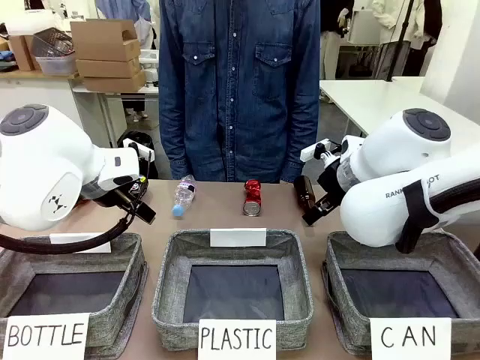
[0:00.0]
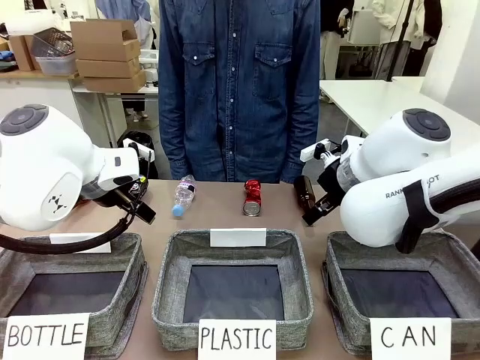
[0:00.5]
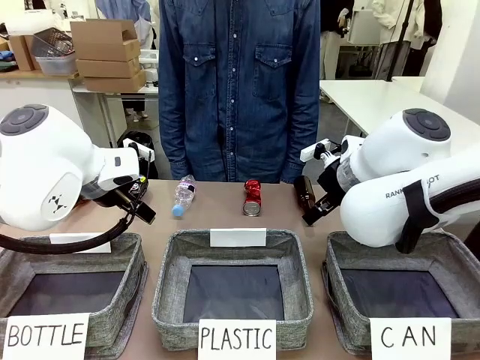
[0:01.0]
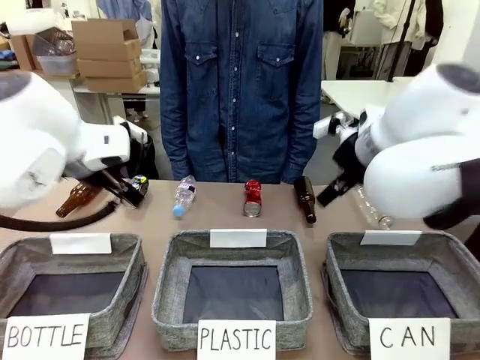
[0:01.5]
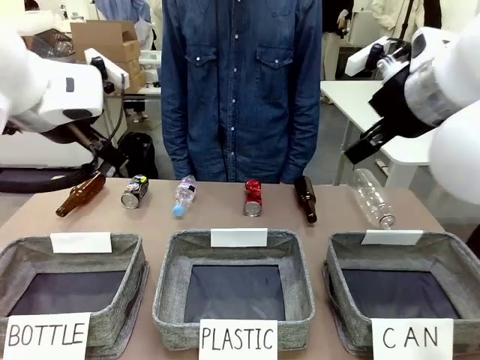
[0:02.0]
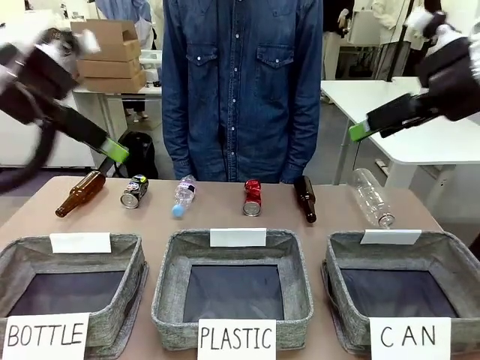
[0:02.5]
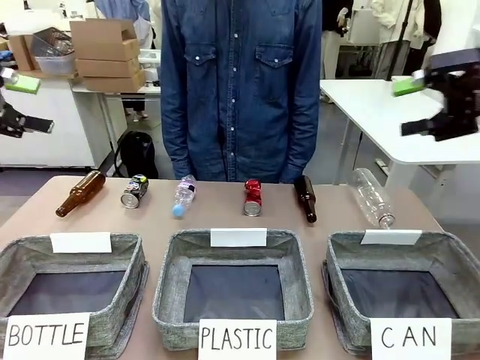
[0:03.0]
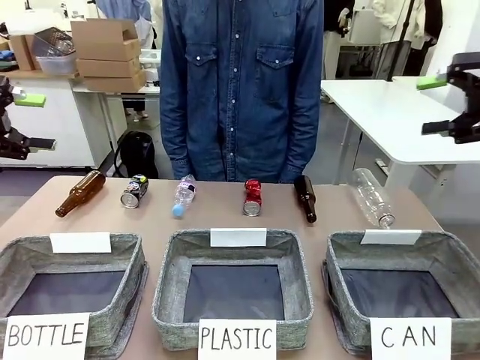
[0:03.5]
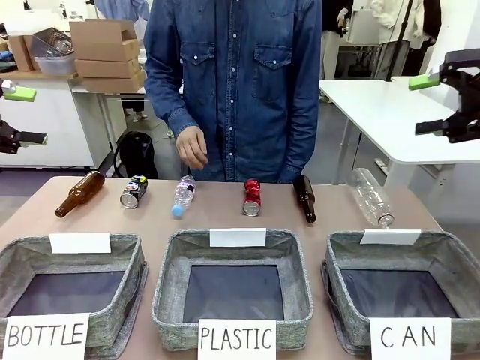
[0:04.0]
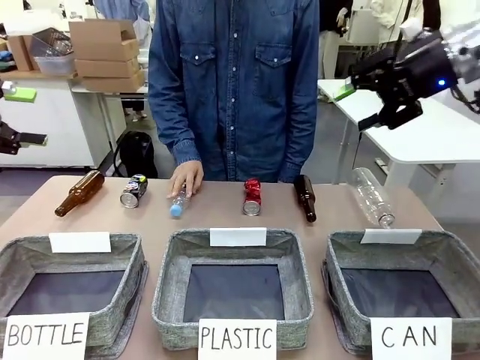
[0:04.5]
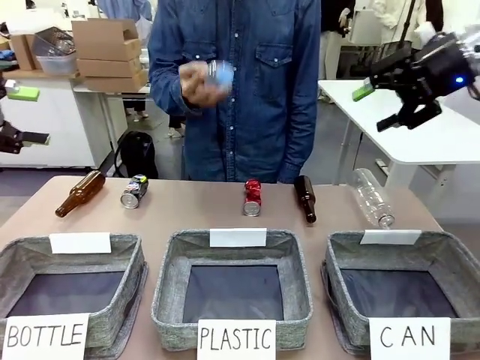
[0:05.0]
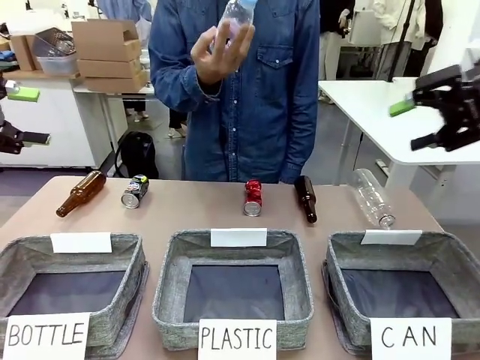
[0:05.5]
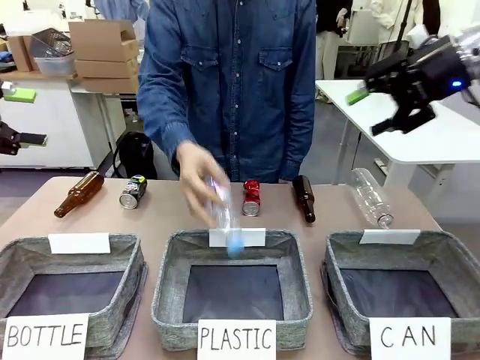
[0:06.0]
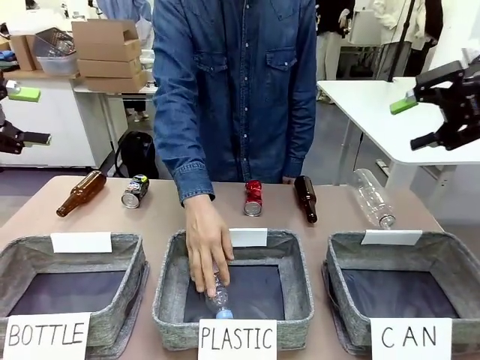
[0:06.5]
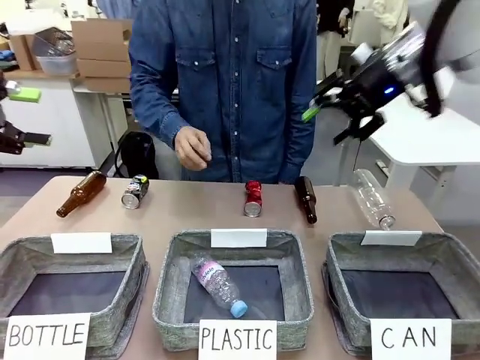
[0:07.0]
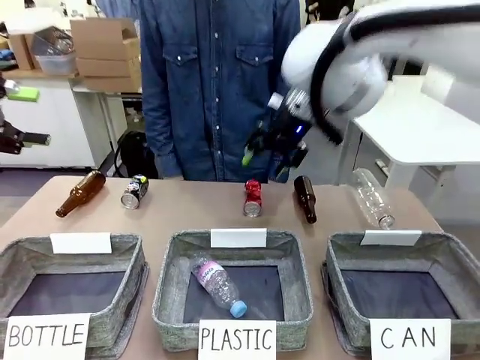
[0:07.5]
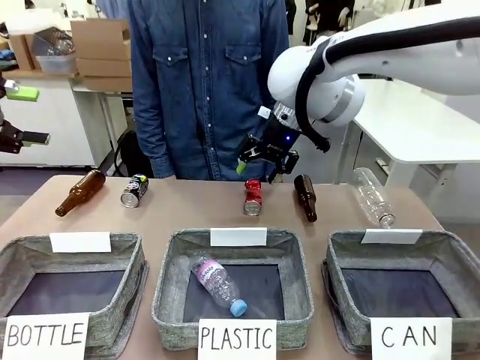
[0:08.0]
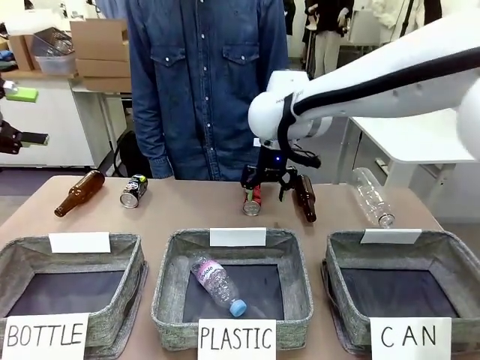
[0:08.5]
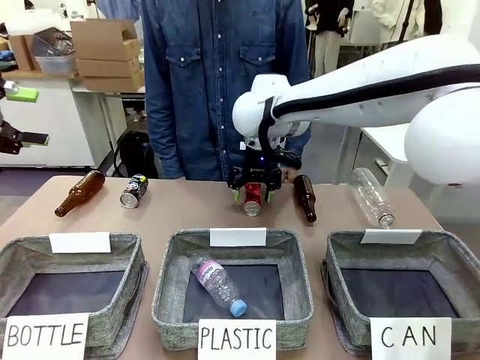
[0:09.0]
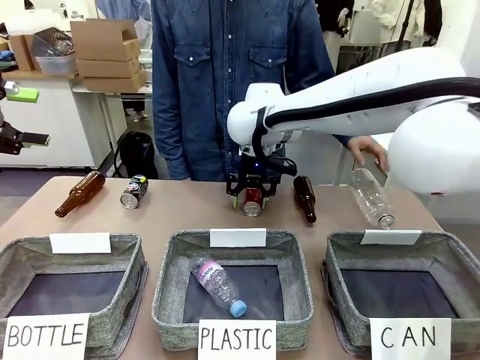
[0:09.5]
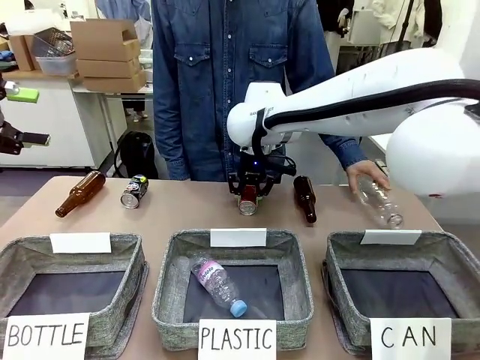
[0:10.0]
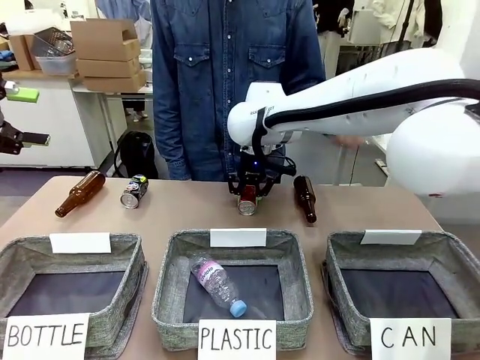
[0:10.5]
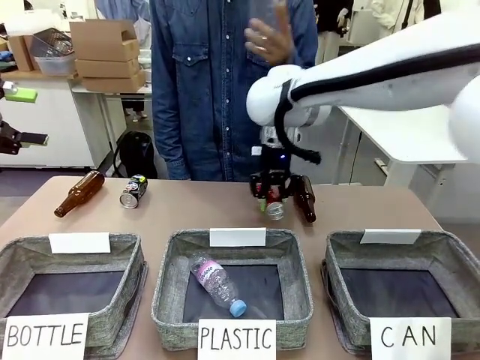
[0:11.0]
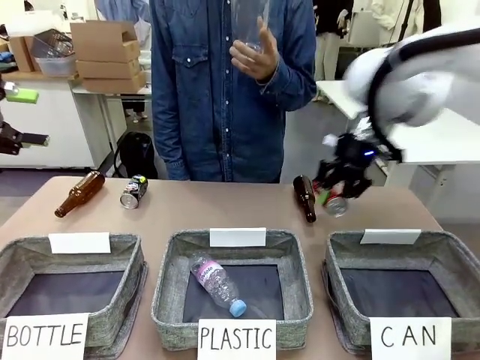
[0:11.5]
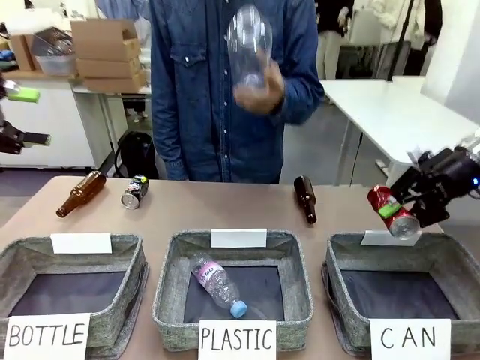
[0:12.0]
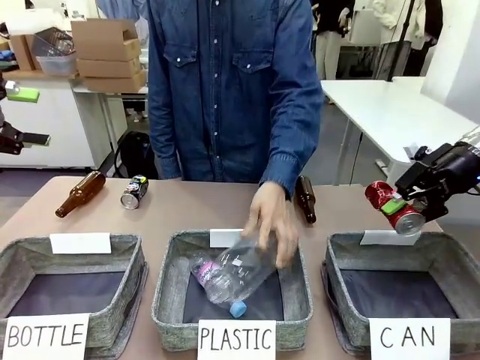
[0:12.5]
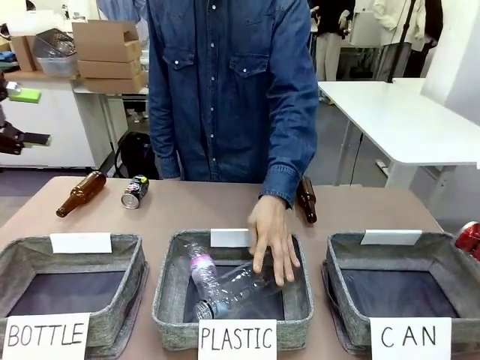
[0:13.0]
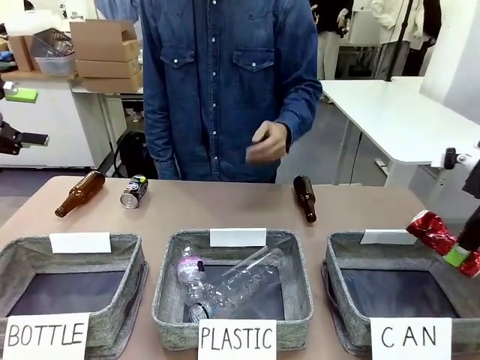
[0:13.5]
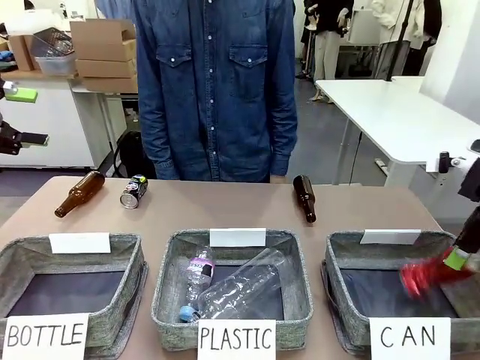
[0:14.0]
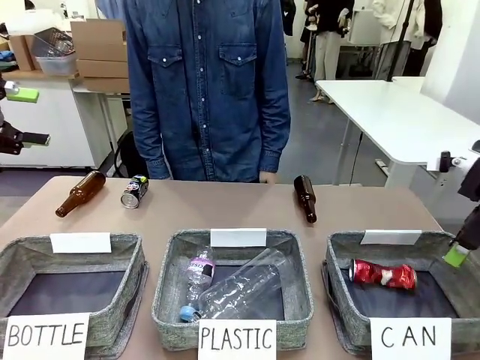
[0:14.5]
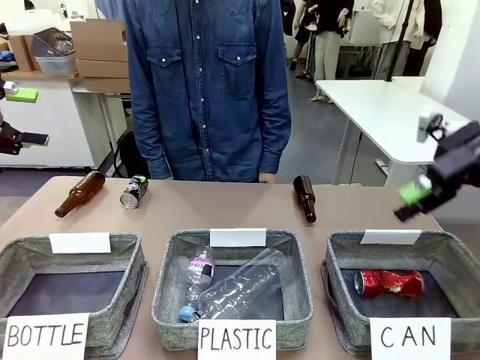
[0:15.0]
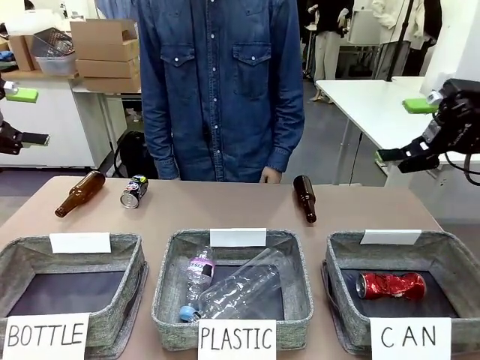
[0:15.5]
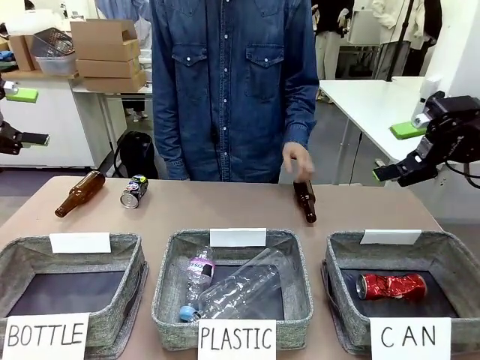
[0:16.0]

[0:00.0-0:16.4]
Task: Sort the can waste into the basket.
Robot: Pick up the can waste from the table and place it in the right Fabric basket.

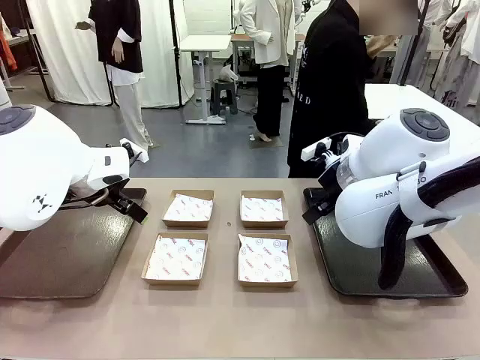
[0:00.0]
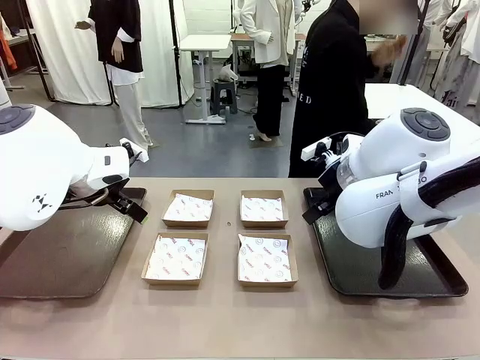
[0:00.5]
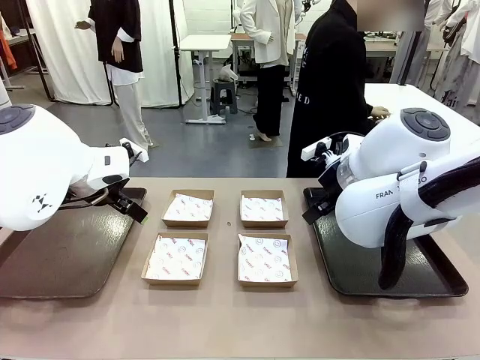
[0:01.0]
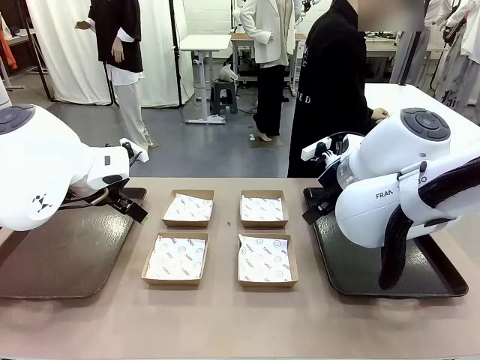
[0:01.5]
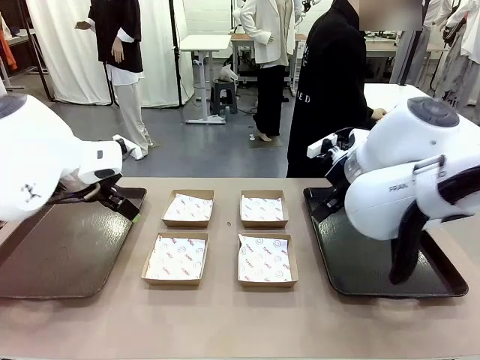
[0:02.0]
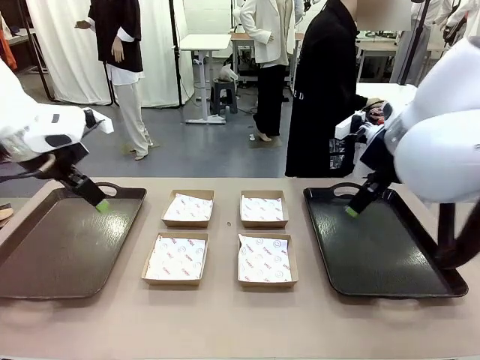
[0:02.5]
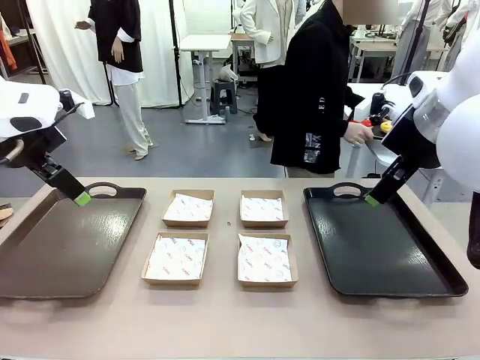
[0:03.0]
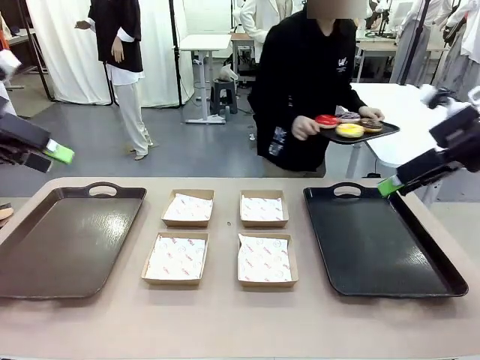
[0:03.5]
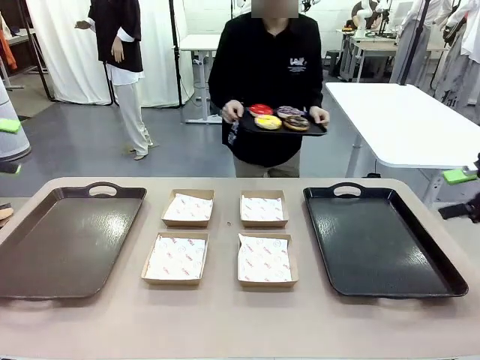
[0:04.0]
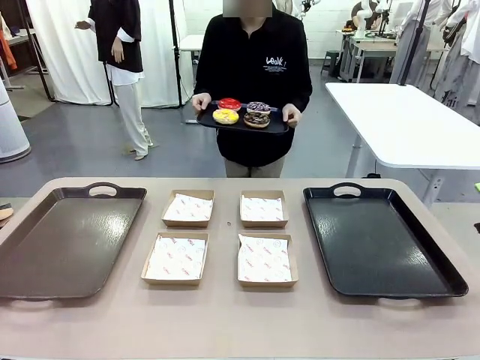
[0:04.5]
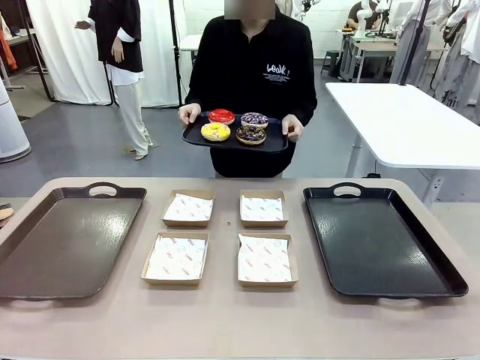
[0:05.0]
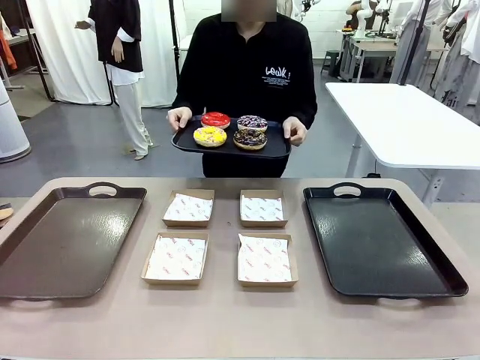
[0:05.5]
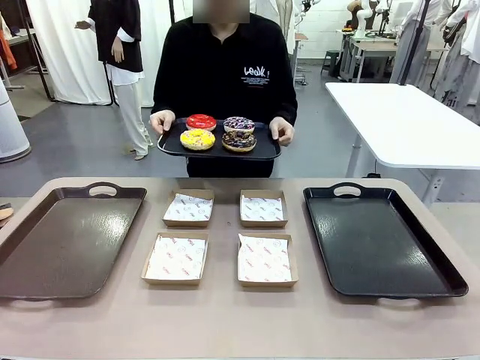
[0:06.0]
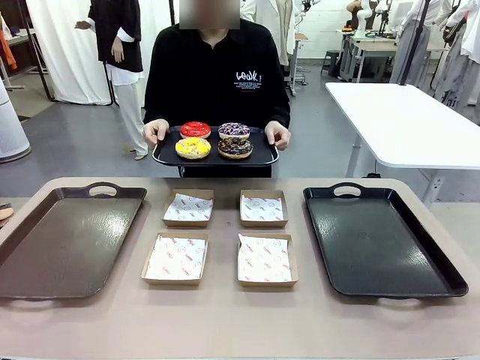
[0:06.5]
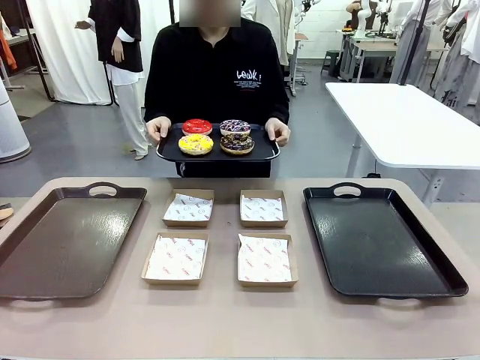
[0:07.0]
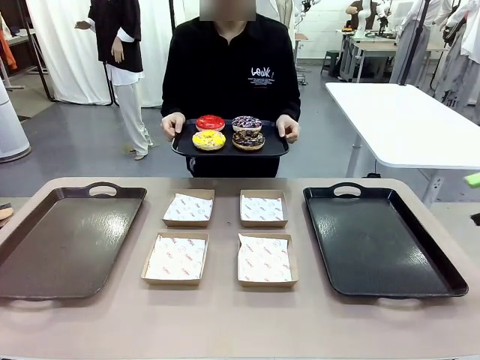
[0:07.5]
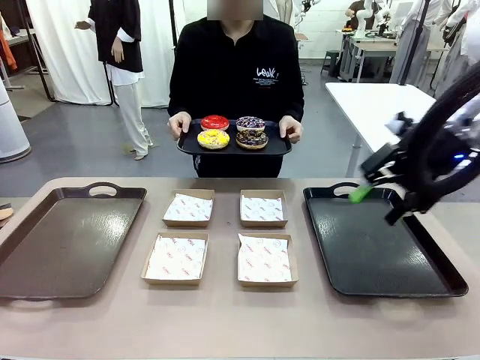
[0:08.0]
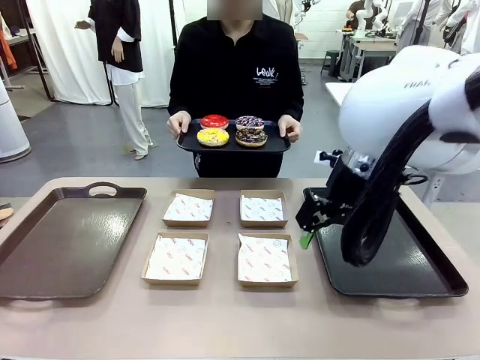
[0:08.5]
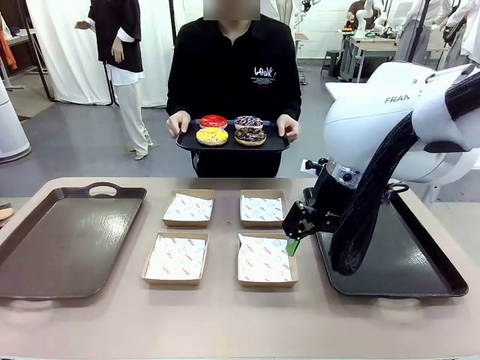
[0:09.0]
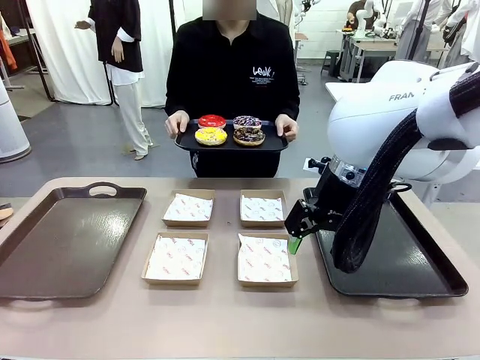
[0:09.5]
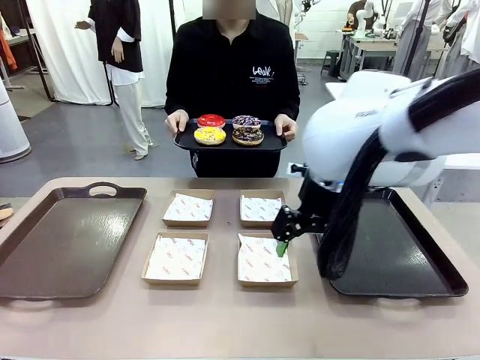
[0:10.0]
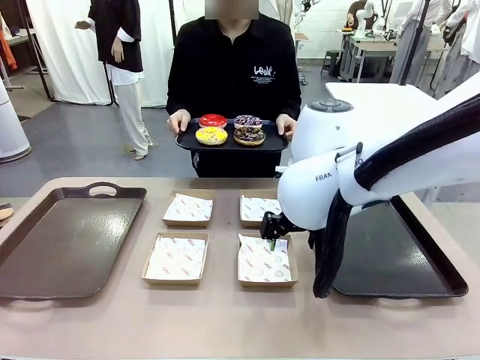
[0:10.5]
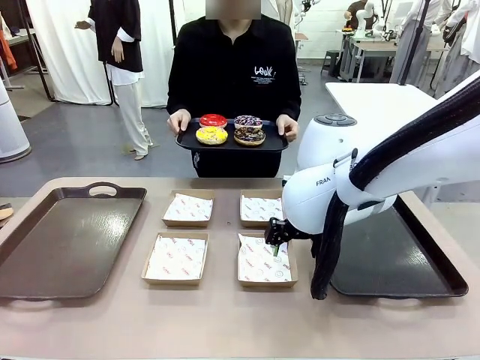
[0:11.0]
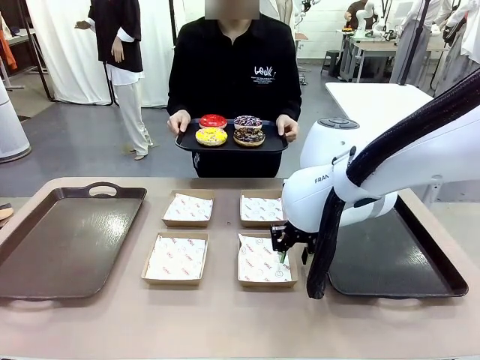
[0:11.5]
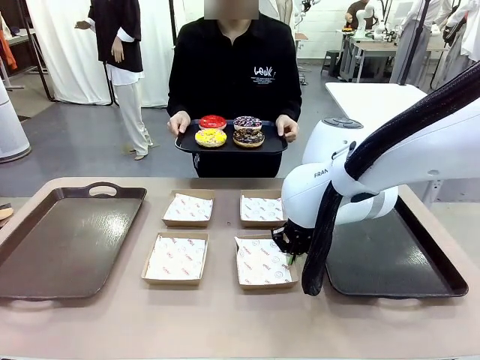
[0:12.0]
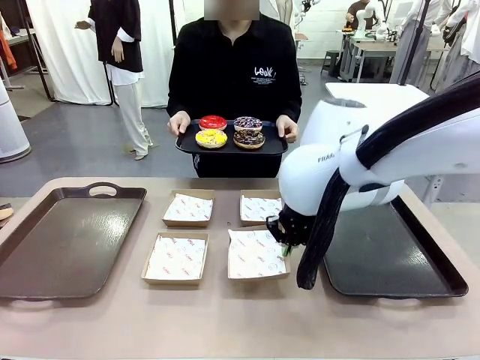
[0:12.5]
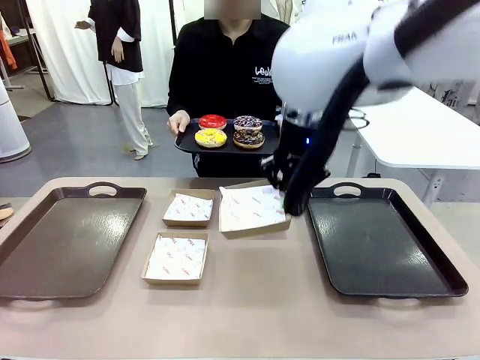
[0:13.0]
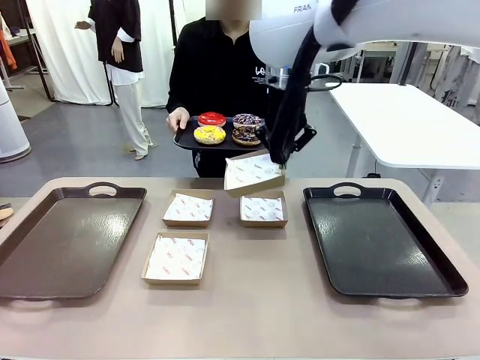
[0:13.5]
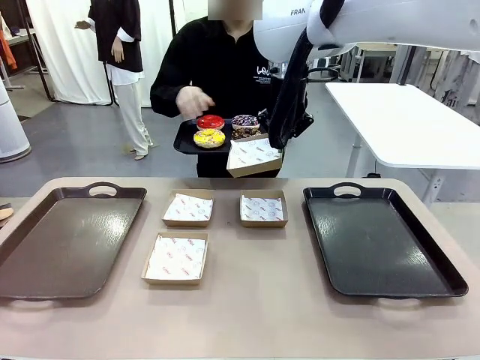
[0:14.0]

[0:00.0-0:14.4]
Task: Individually package the donuts and arrange them on the tray.
Robot: Pick up one Paper togo box.
Person: Stand in front of the robot table holding the tray containing the donuts.
